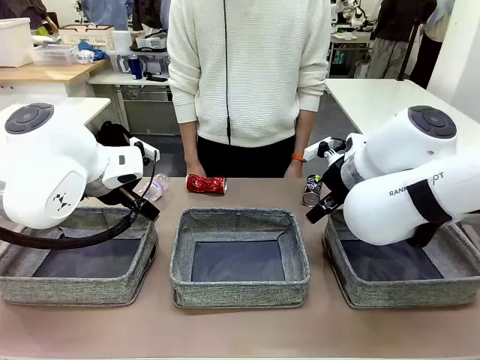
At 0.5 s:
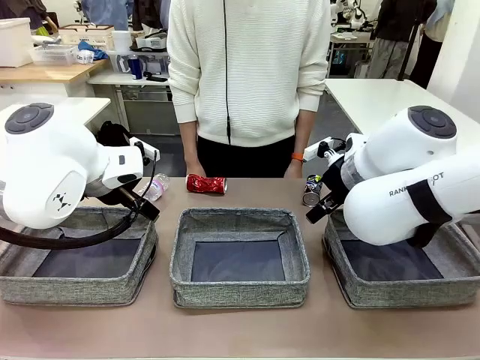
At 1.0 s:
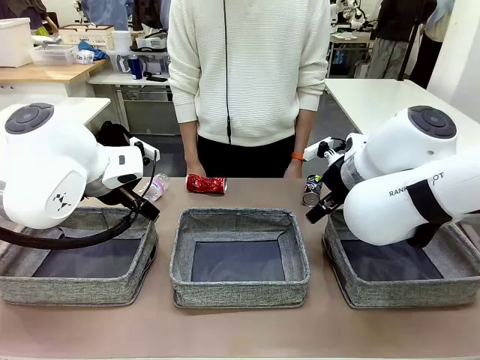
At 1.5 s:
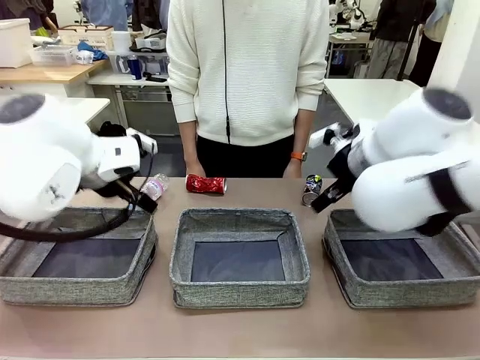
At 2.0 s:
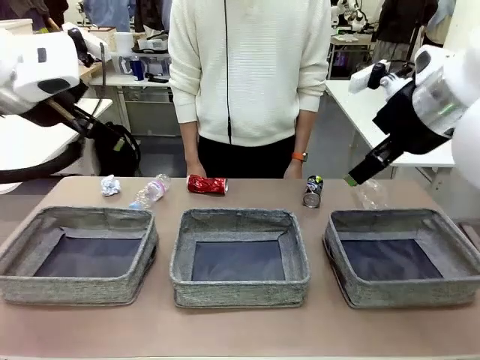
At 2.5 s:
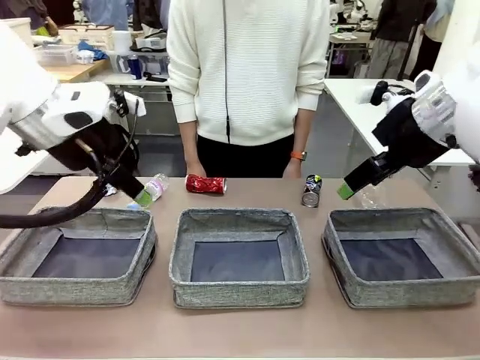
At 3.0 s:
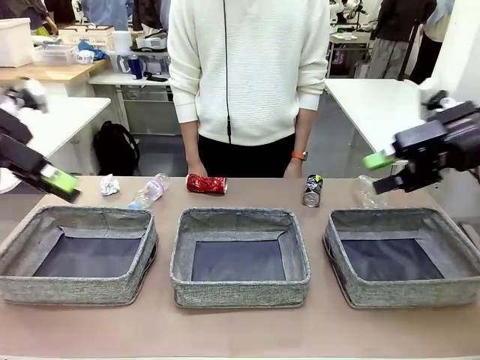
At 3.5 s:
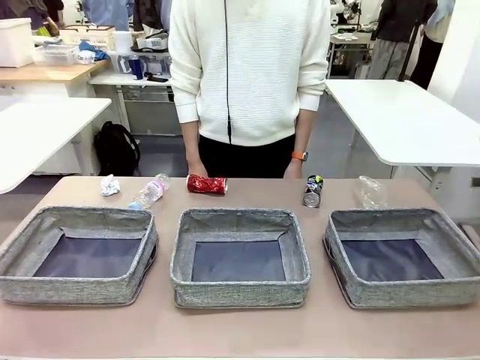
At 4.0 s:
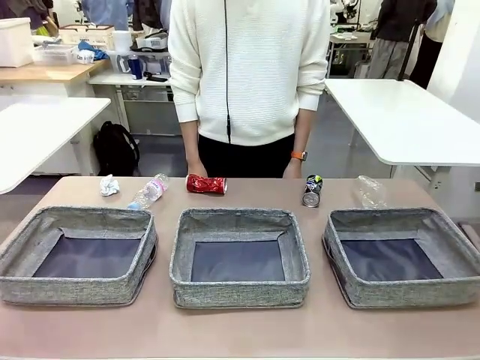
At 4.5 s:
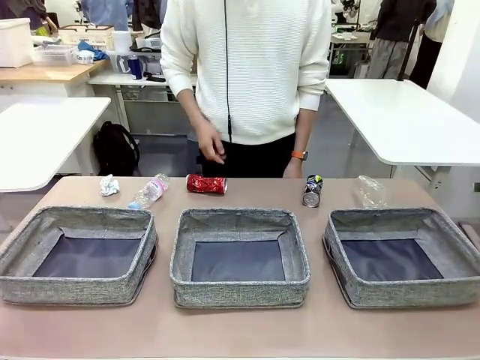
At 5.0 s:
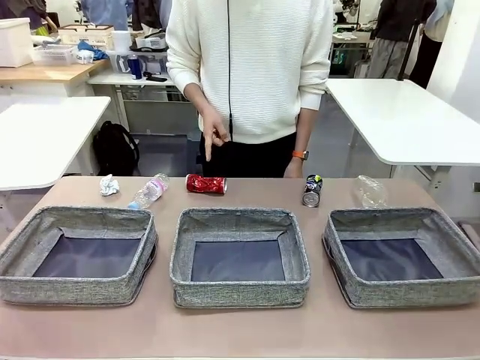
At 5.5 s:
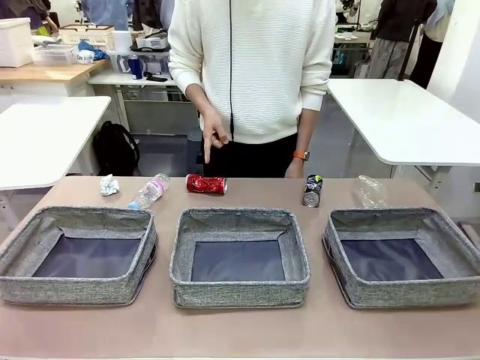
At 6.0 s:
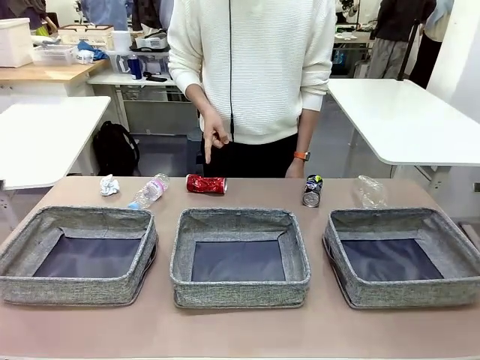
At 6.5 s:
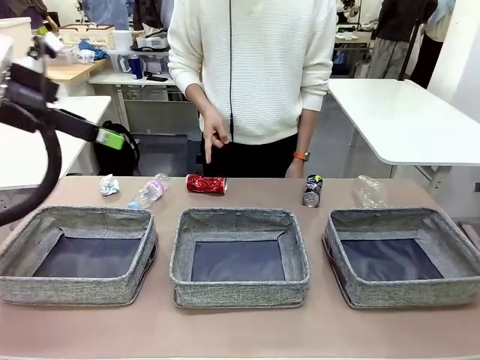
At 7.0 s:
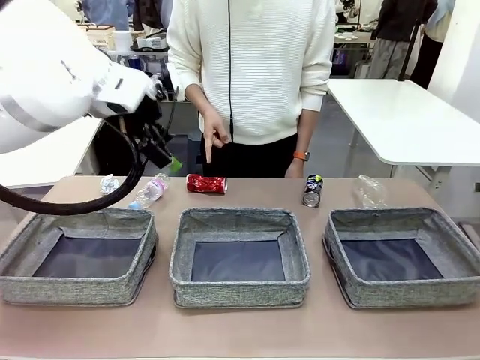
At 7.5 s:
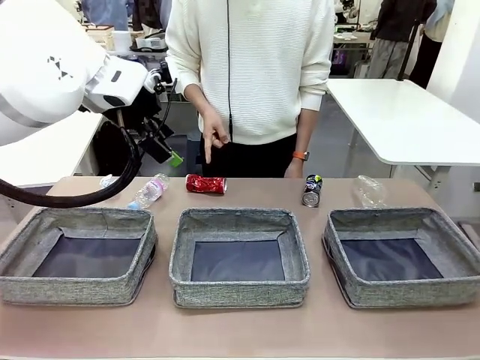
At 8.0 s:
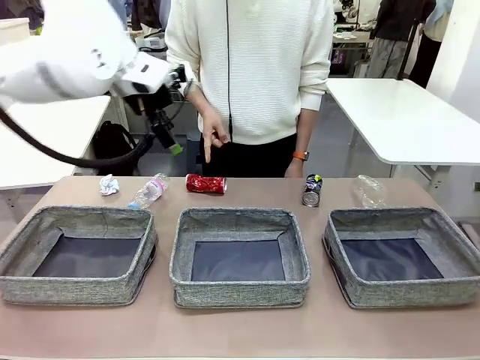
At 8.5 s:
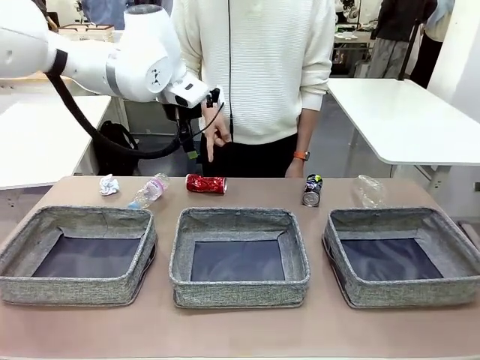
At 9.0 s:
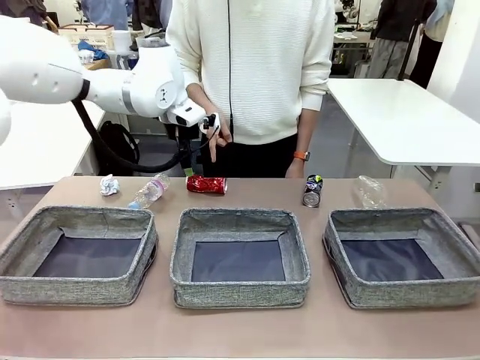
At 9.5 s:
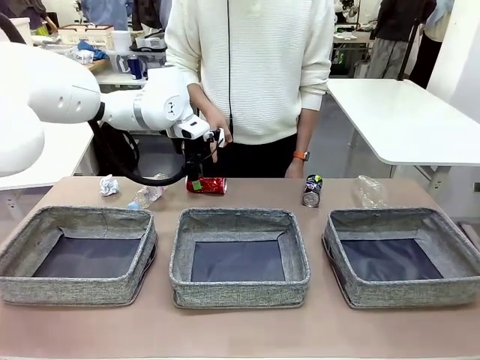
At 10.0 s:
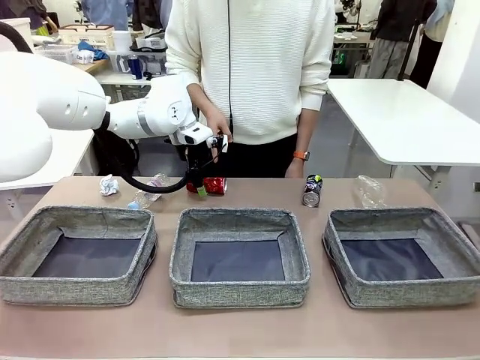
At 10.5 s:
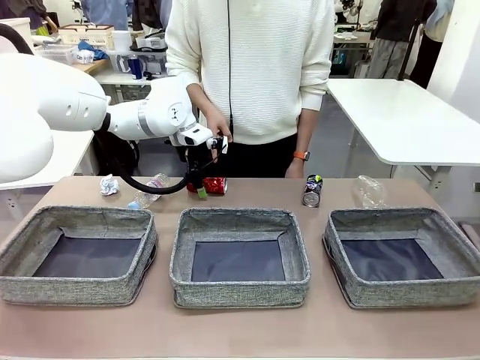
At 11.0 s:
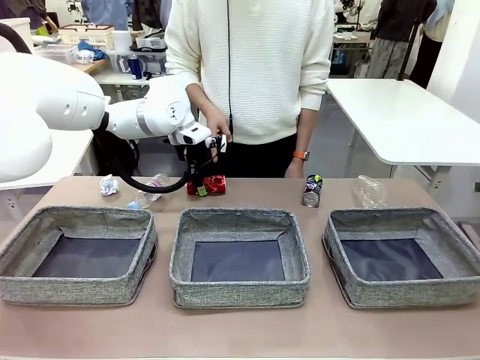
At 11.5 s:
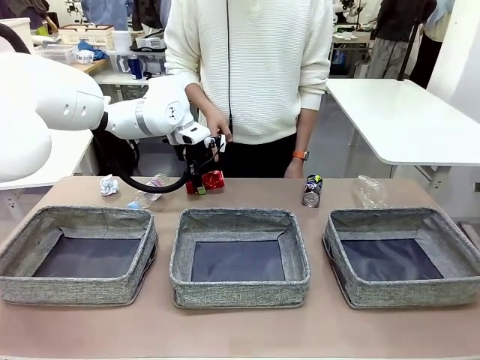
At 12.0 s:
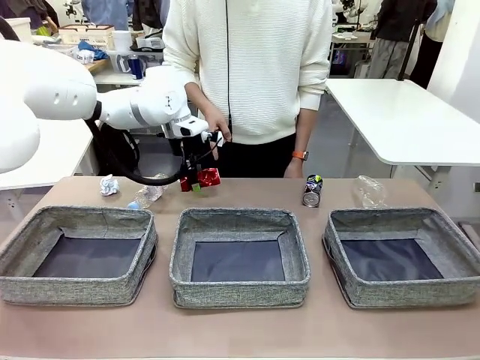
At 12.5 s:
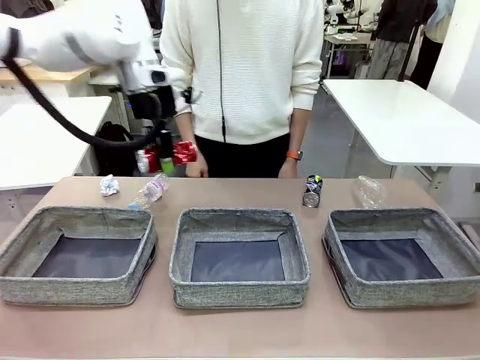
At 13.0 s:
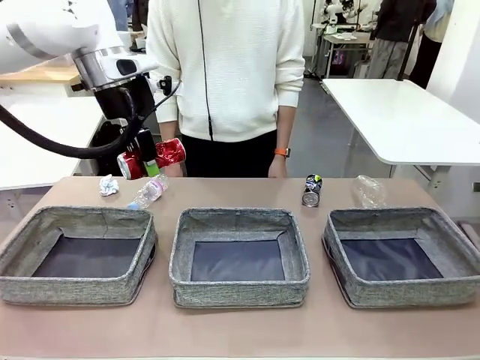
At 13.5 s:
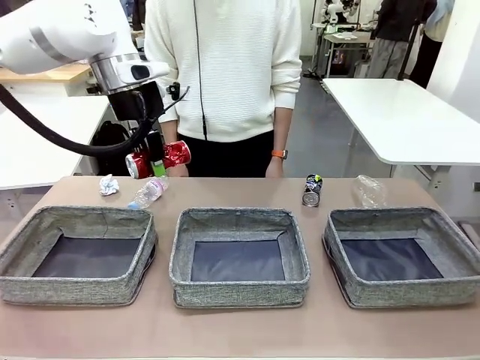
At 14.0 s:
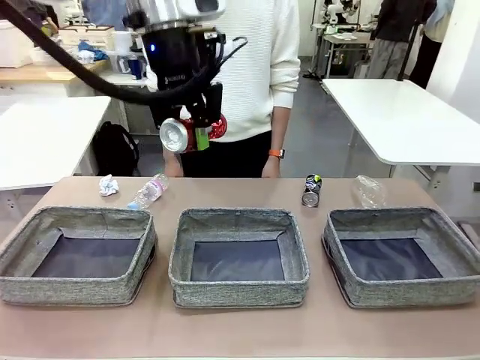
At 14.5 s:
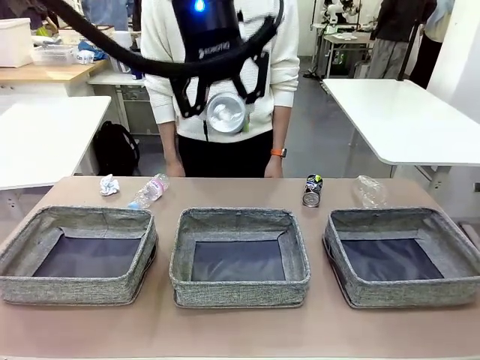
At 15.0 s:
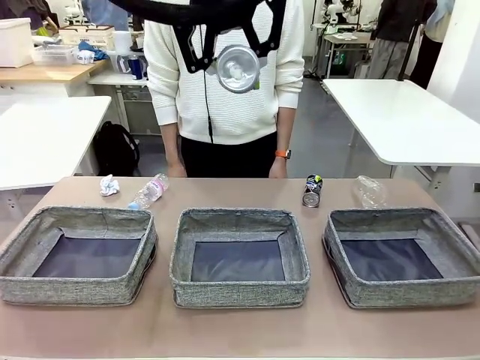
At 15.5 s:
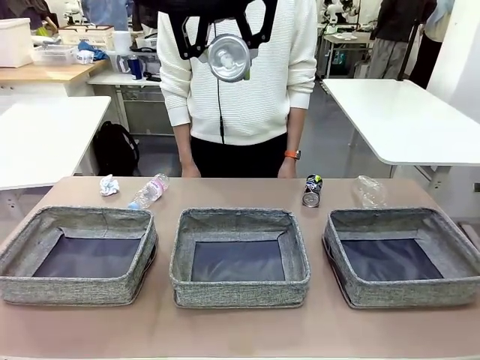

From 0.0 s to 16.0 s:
Task: Sort the waste into the appropriate baskets.
Robot: Pick up the waste item pointed out by the person.
Person: Points to one piece of trash on the table.

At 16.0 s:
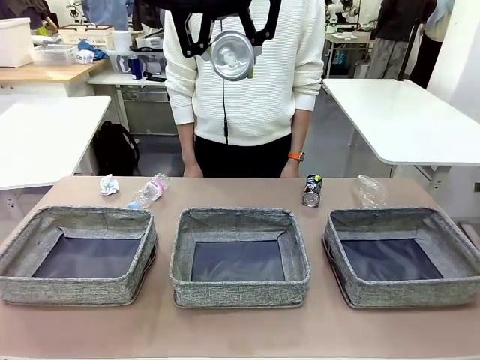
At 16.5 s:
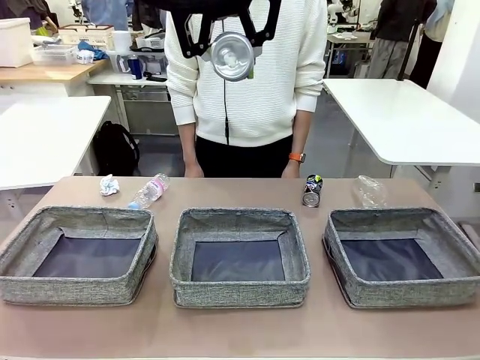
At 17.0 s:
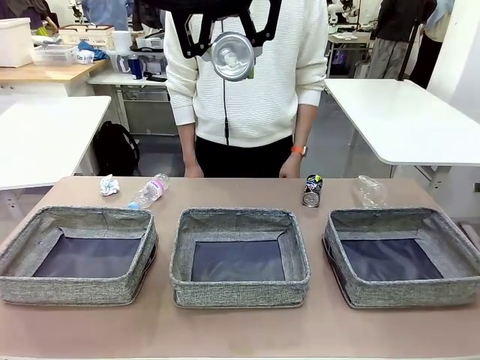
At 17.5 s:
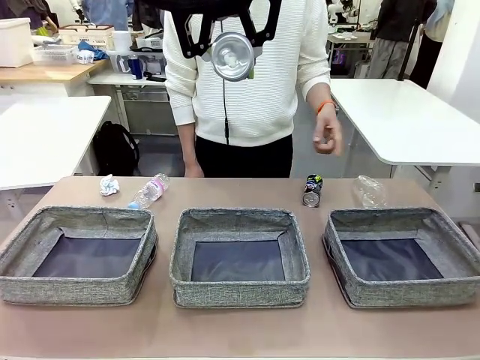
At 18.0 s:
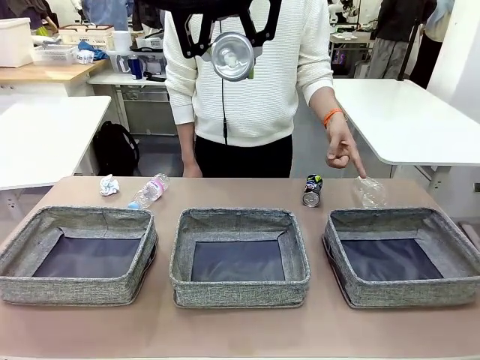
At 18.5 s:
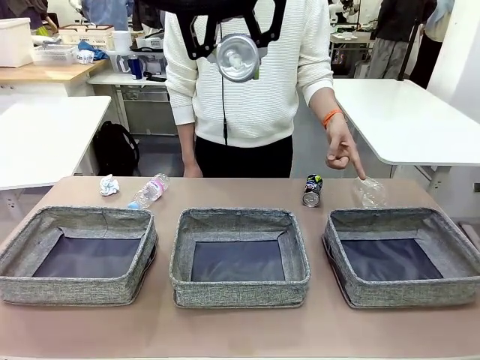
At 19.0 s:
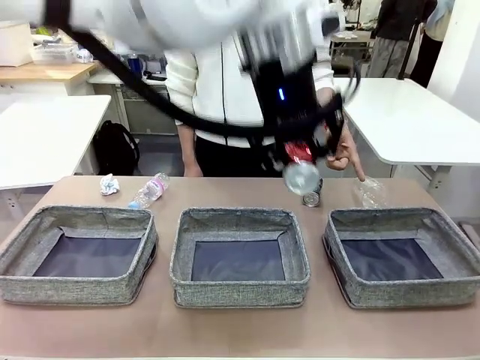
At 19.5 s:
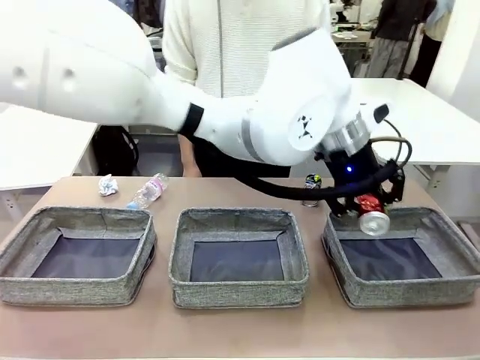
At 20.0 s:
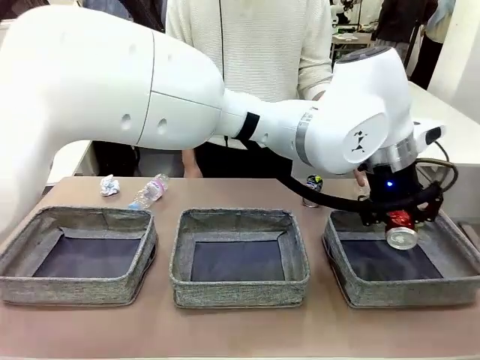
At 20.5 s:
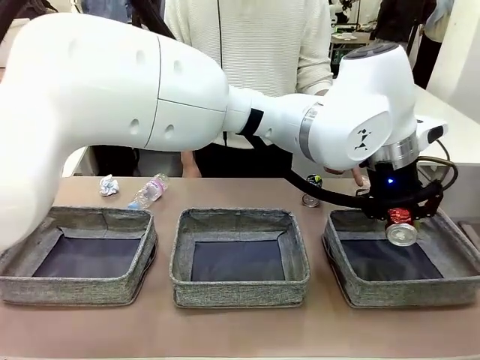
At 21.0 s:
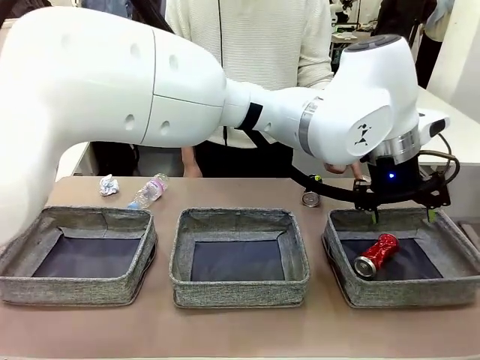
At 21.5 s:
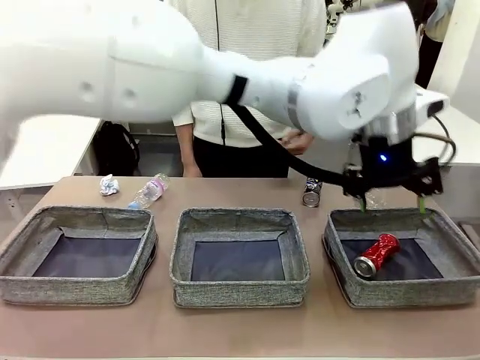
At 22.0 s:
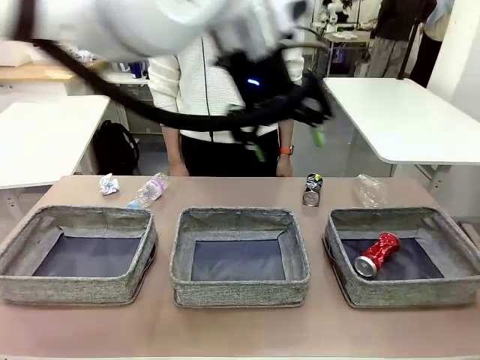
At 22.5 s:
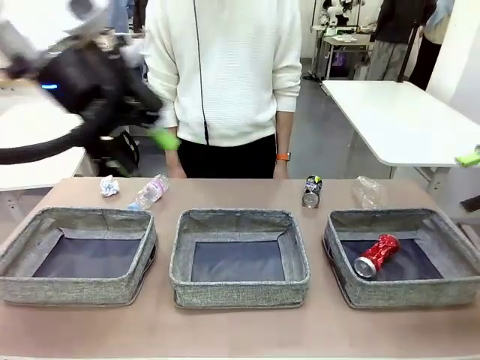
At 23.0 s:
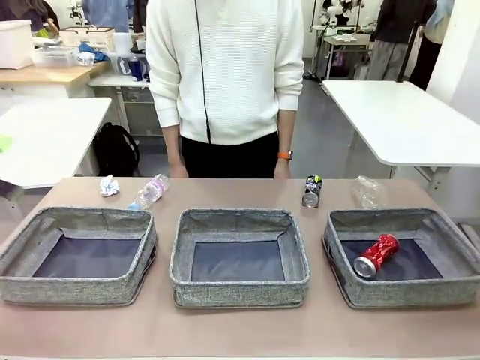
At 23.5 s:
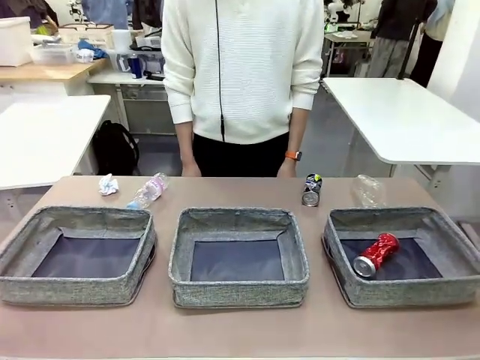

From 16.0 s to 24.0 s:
Robot: Place the picked waste into the Fabric basket indicated by the person.
Person: Instructs the robot to place the picked-up trash into the appropriate organizing basket.
